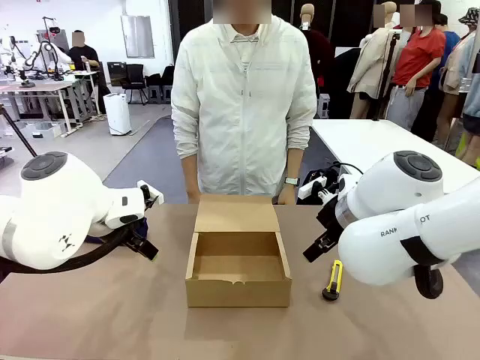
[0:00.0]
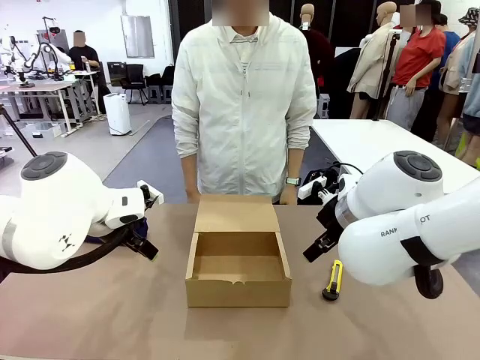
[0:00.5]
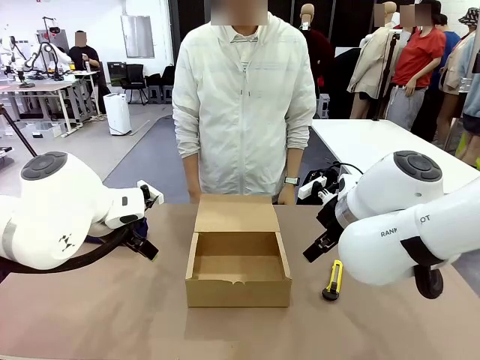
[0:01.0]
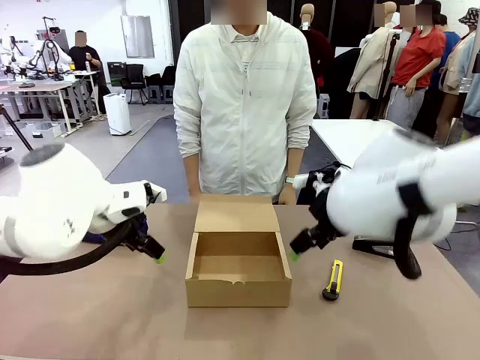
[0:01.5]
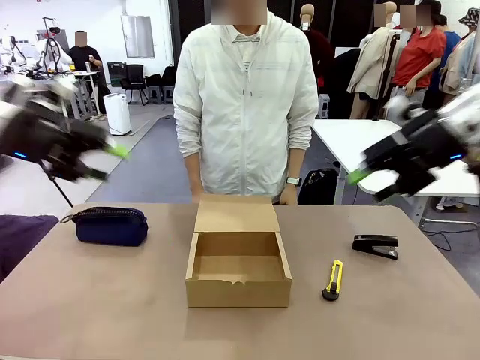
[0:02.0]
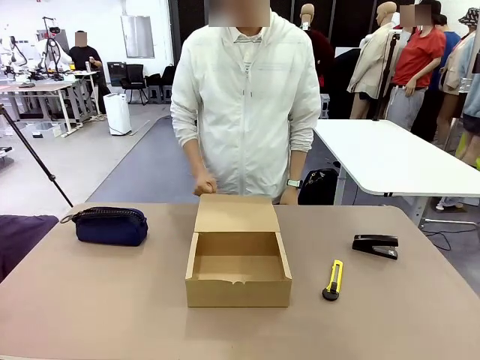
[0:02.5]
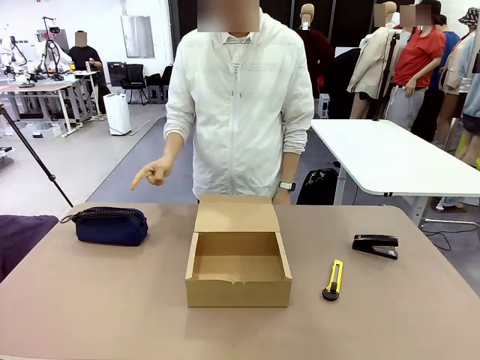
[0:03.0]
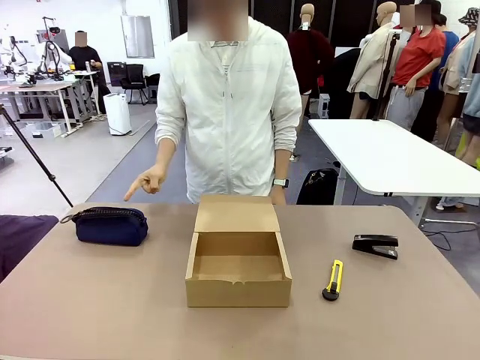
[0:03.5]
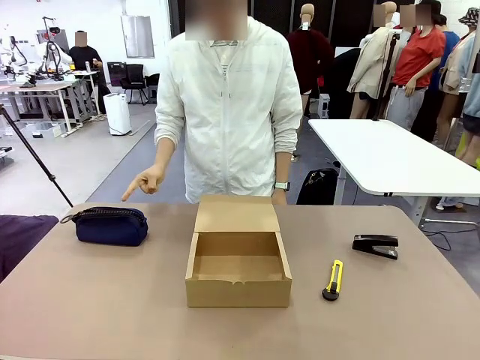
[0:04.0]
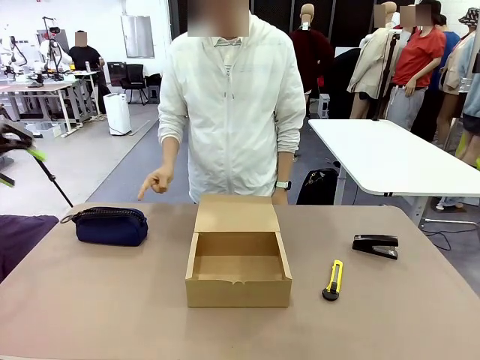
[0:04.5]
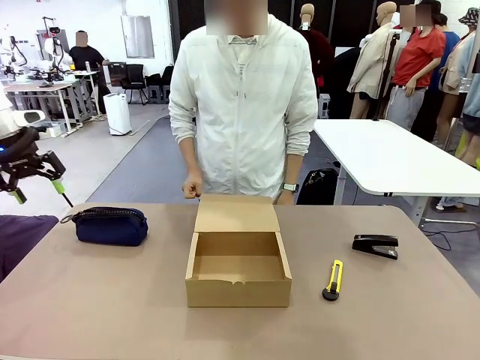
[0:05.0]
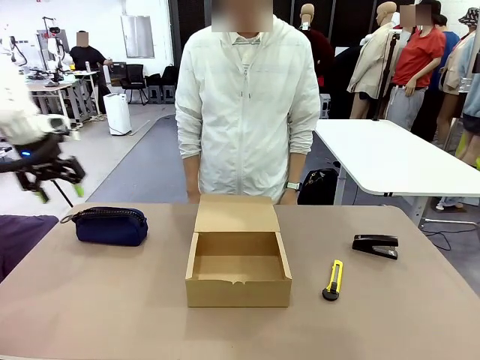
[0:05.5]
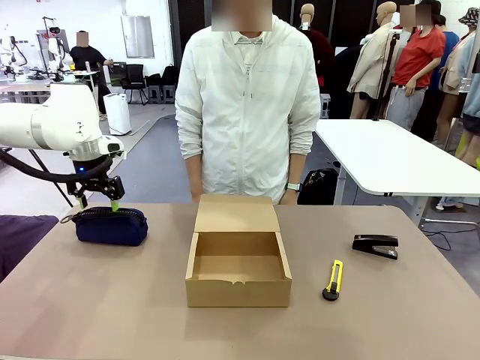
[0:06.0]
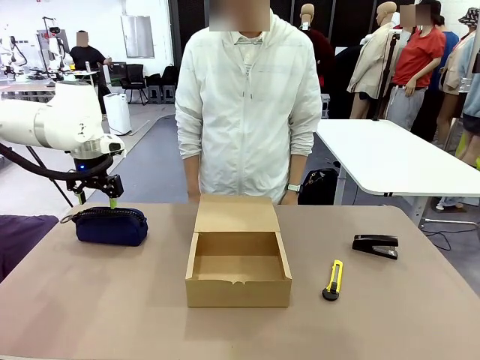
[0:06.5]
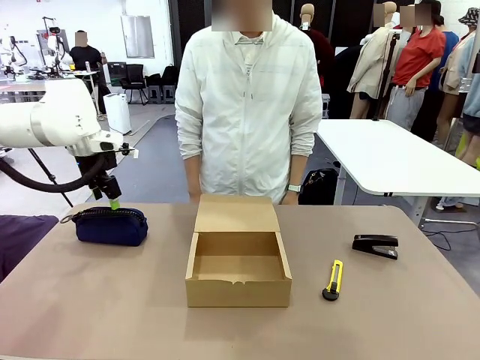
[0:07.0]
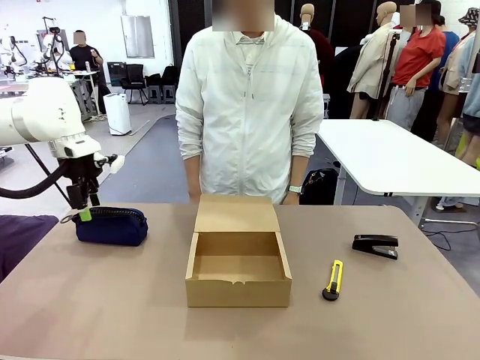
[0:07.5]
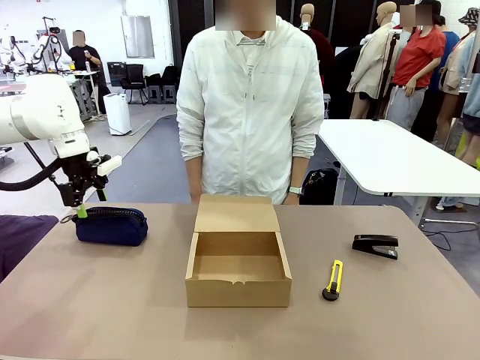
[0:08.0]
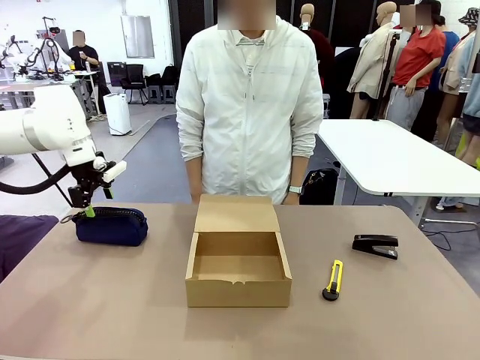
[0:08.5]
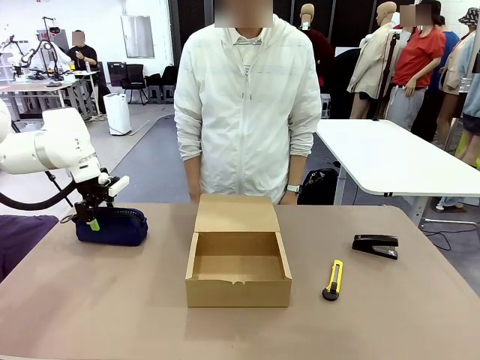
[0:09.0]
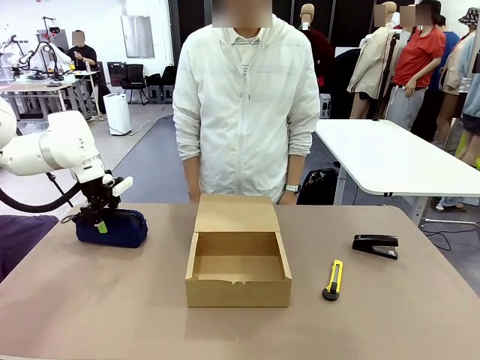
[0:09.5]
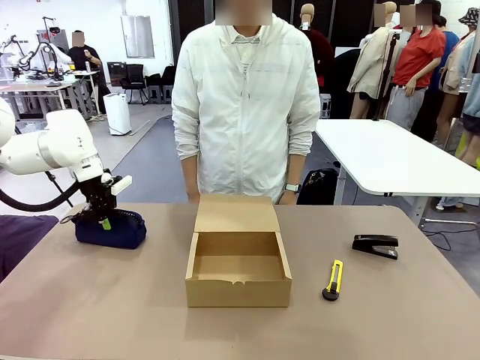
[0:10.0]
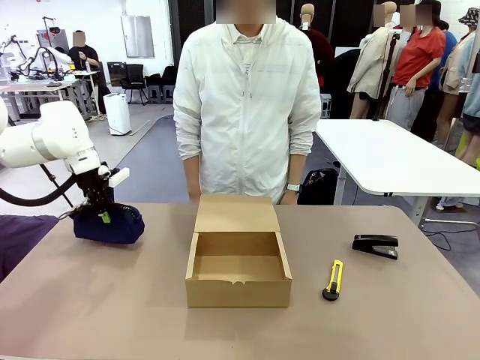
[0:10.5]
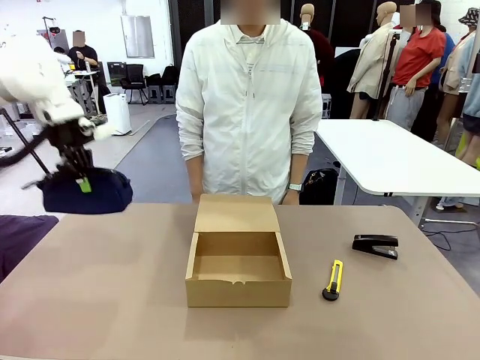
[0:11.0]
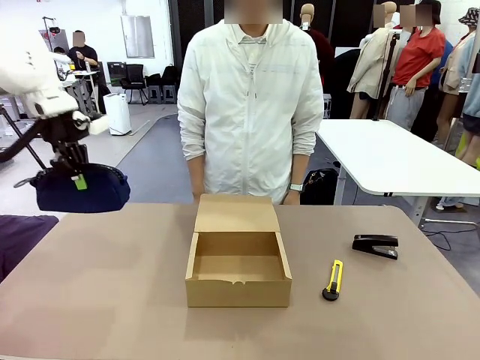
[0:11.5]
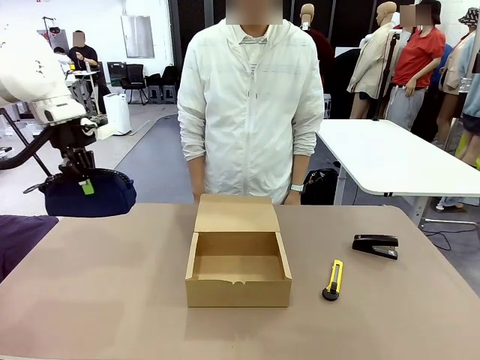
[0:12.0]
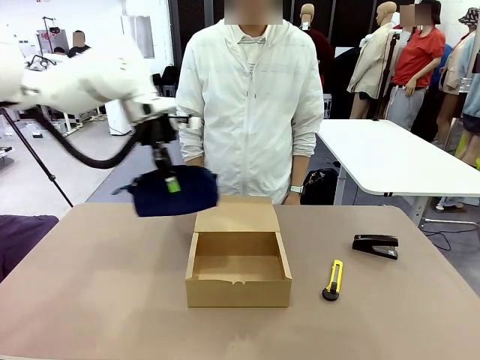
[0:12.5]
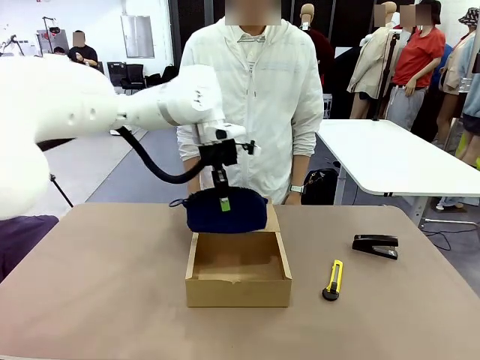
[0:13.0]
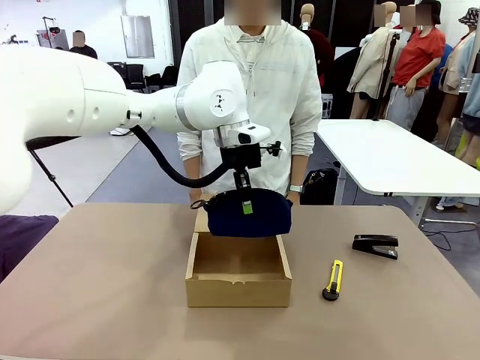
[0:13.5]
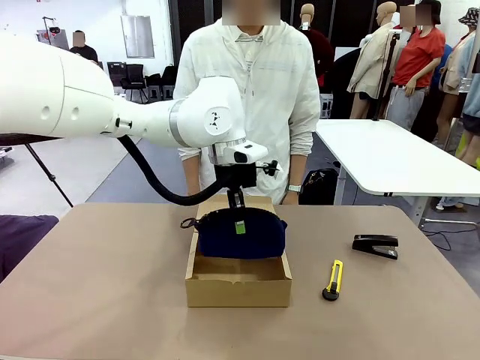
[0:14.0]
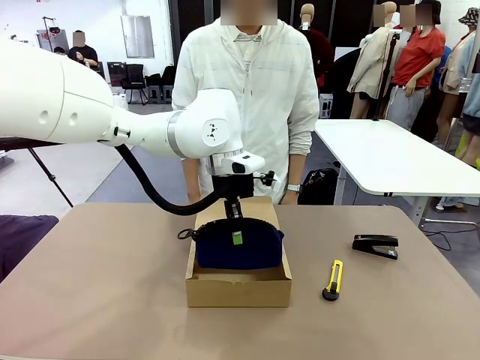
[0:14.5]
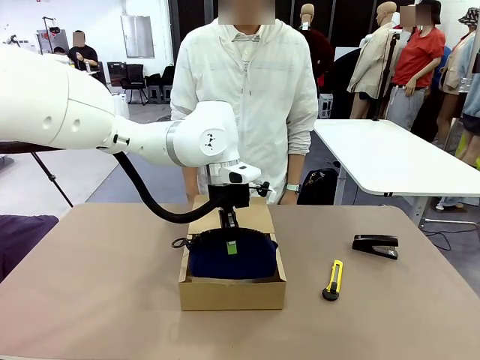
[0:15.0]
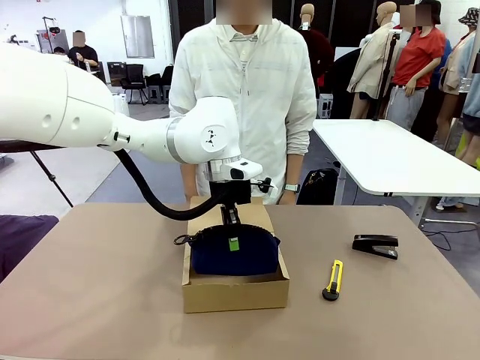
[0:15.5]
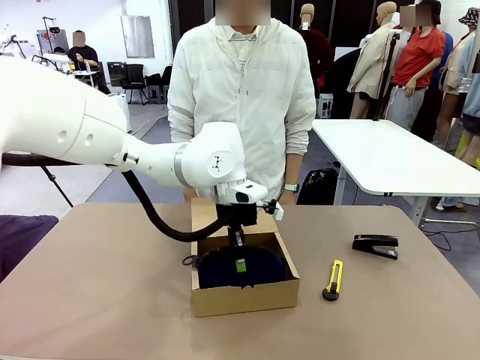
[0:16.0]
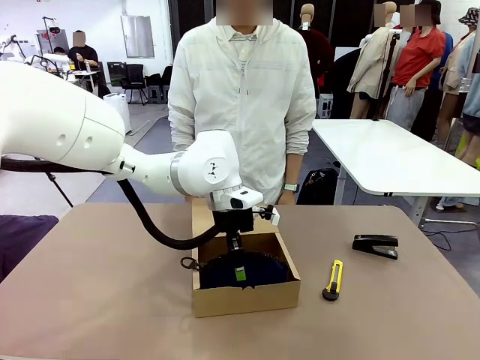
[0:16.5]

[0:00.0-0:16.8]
Task: Pack the items into the box.
Robot: Pick up the item specified by the human and place it in the Mailer Box.
Person: Point at one item on the table (excluding the box).
